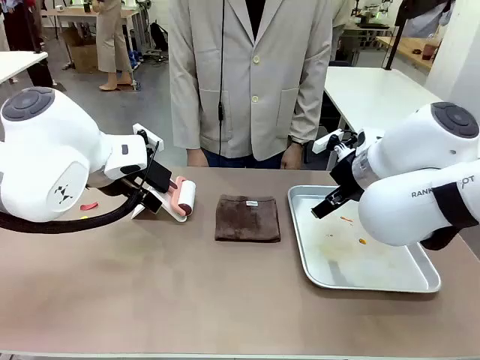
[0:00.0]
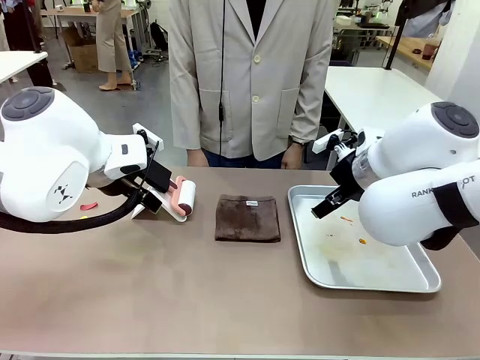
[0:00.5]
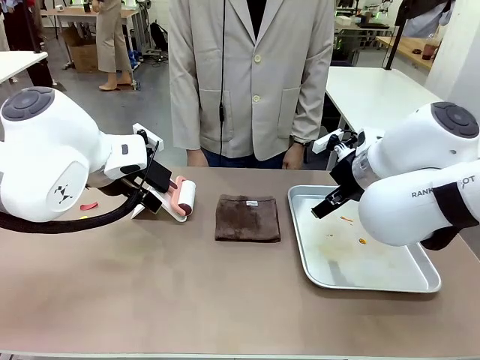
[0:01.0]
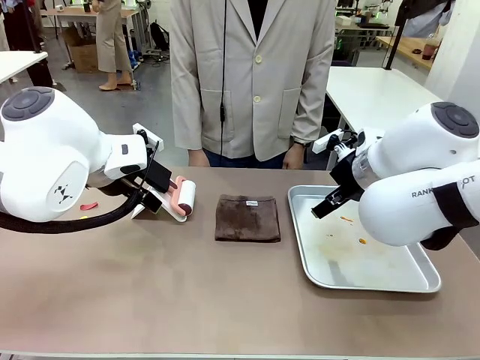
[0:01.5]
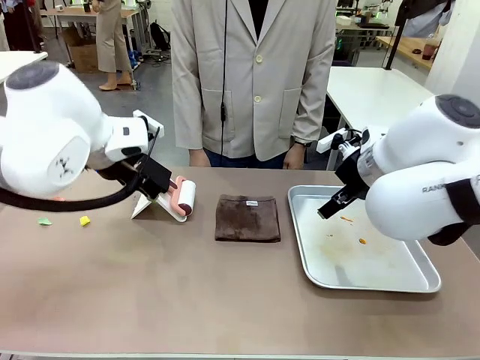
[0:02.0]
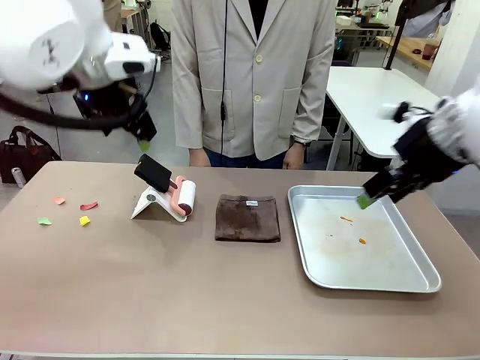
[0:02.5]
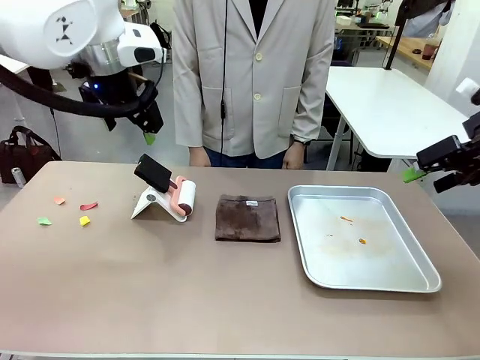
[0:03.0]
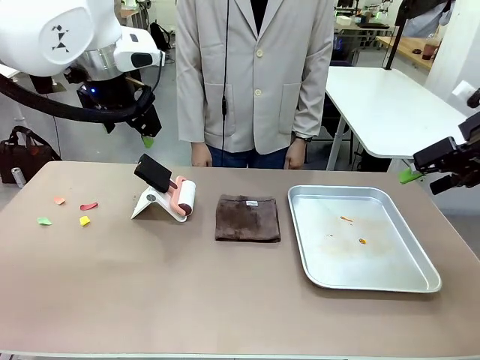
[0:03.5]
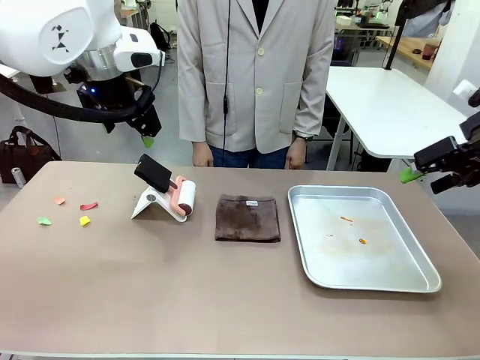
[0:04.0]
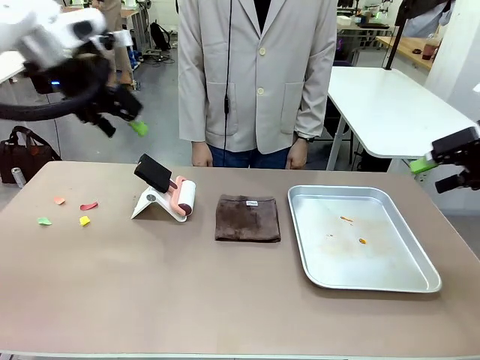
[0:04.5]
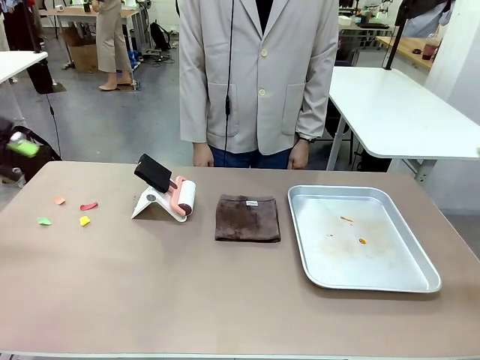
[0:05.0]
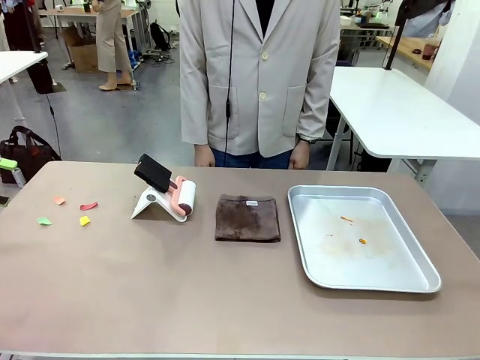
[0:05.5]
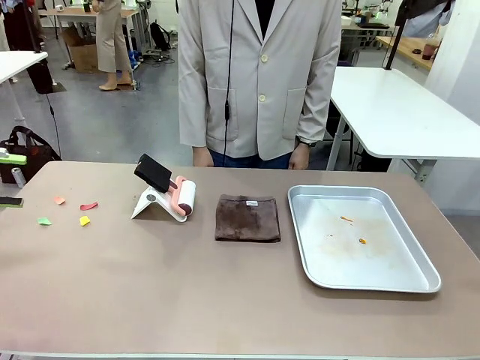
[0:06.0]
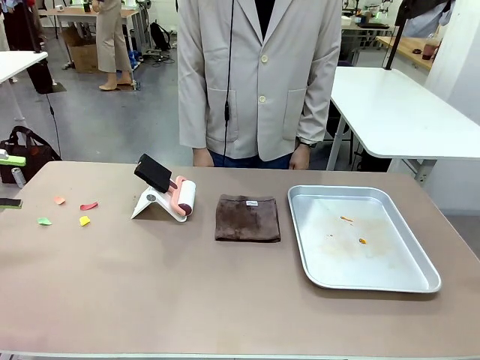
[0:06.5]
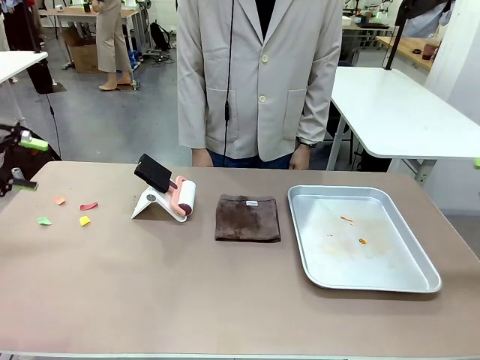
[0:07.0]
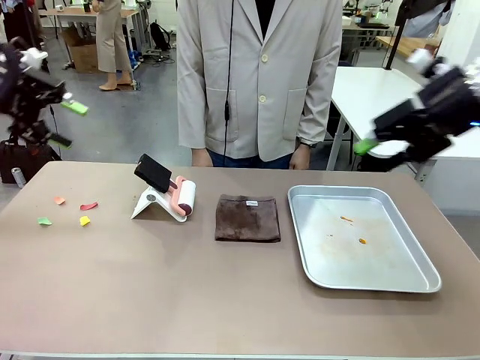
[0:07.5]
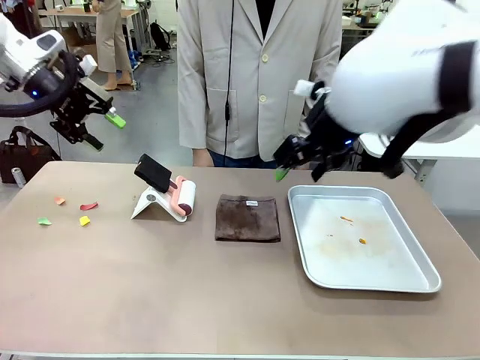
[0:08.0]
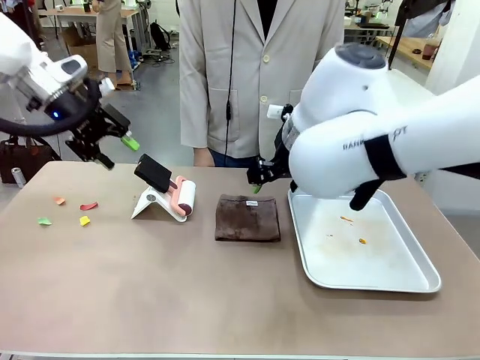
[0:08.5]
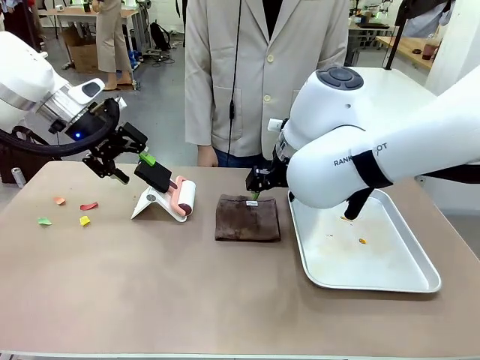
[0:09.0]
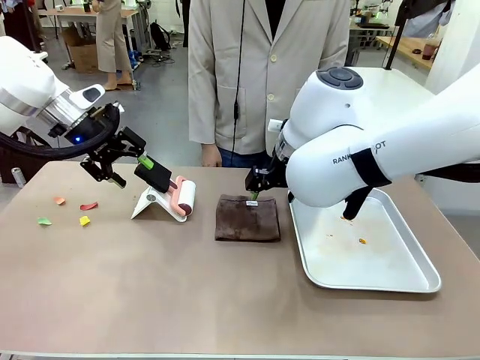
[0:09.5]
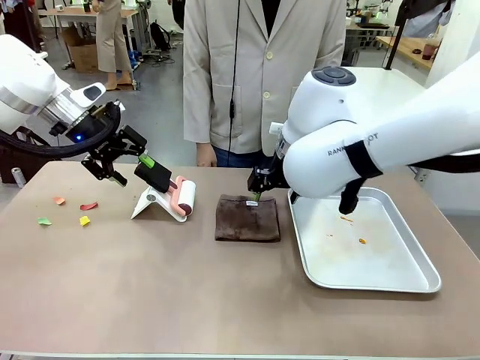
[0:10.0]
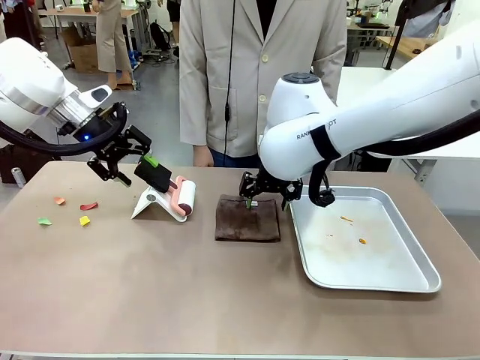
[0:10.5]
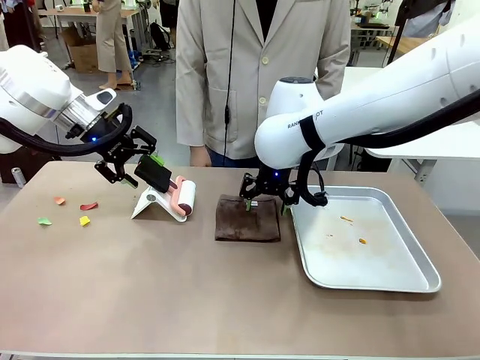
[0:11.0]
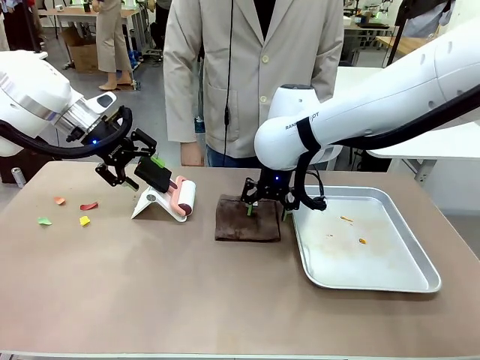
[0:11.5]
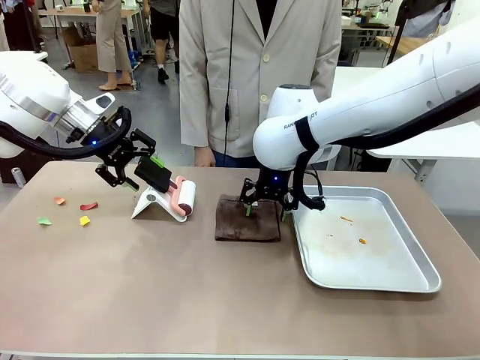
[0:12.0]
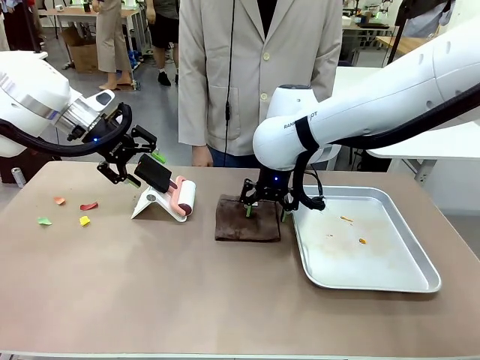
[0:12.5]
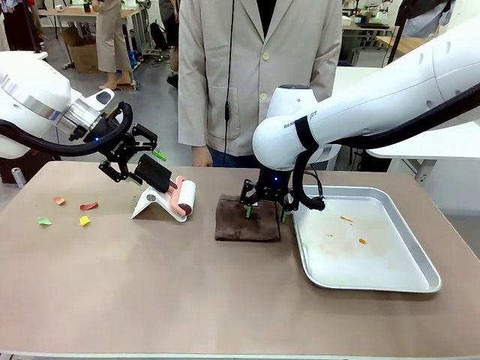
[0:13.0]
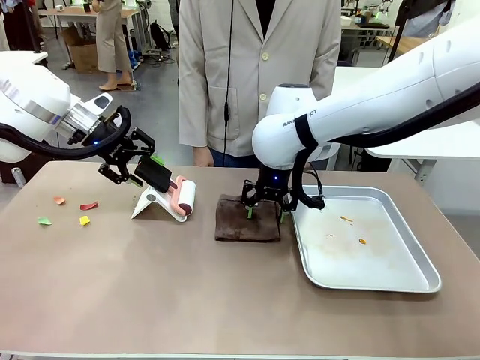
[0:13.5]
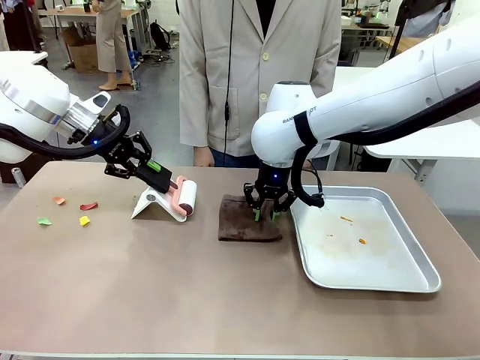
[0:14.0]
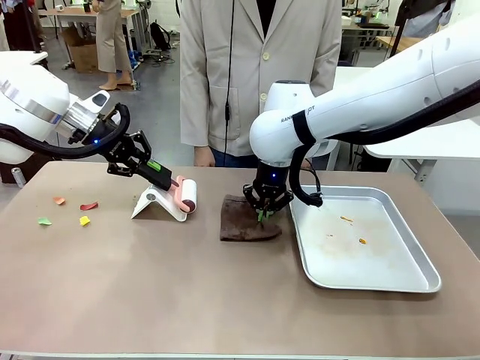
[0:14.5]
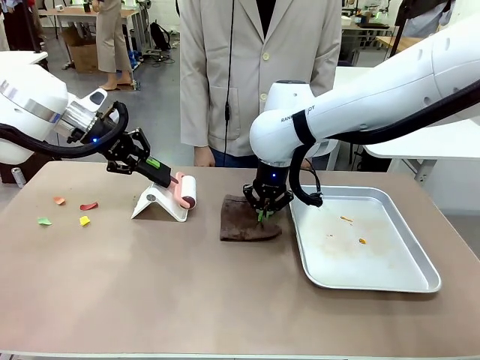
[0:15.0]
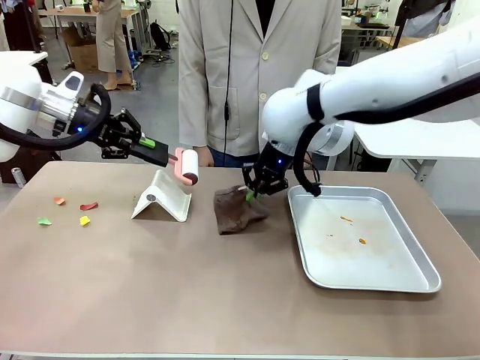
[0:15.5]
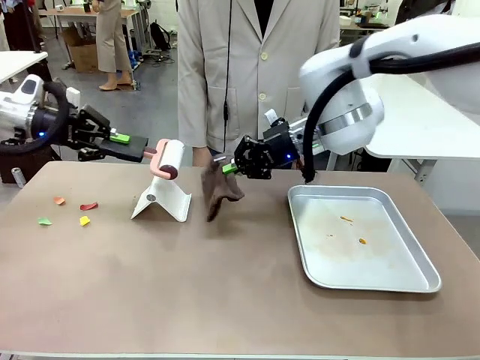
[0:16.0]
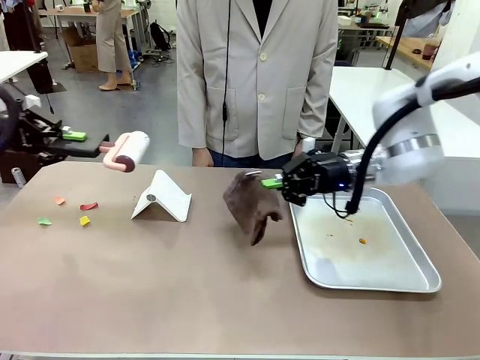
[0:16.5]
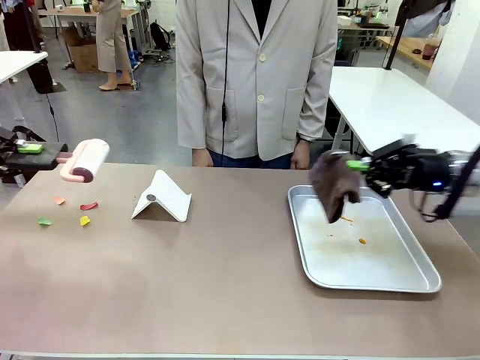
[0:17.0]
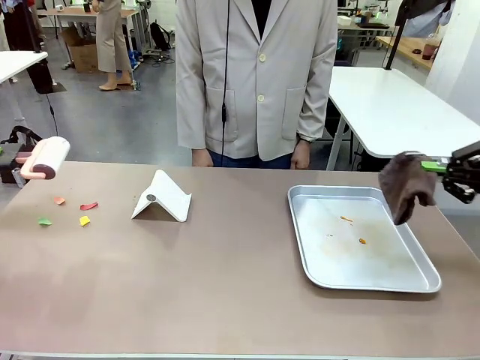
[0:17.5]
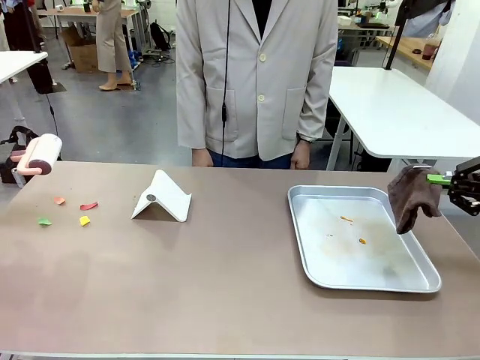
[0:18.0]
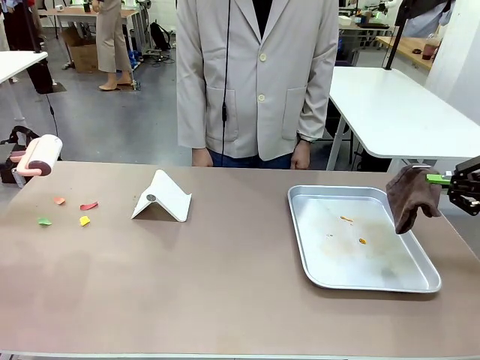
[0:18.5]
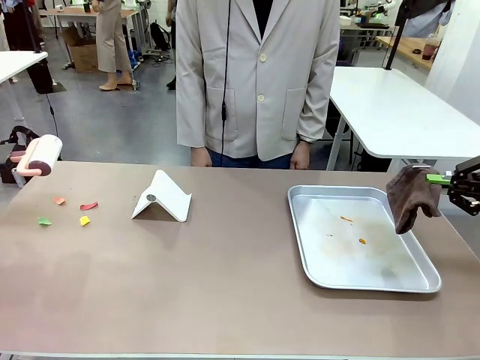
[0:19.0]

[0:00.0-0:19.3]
Task: Clean the surface of the table.
Robot: Hold the Lint Roller with your left hand and the towel with your right hand.

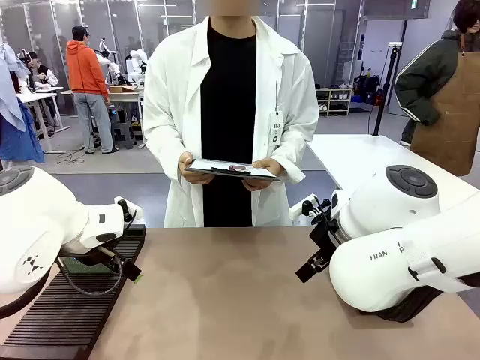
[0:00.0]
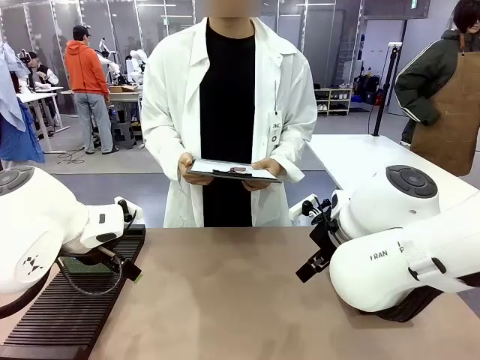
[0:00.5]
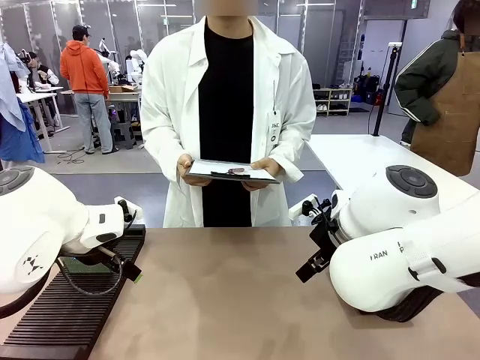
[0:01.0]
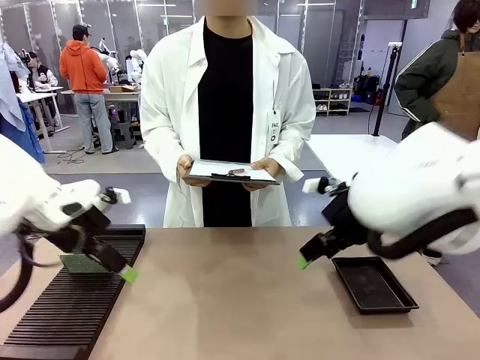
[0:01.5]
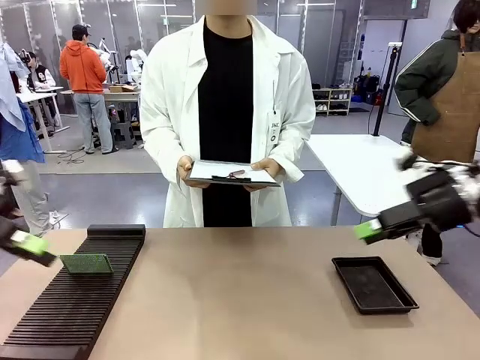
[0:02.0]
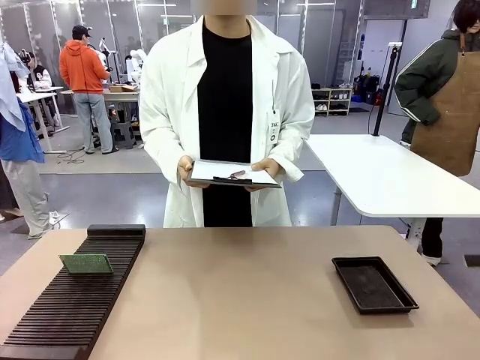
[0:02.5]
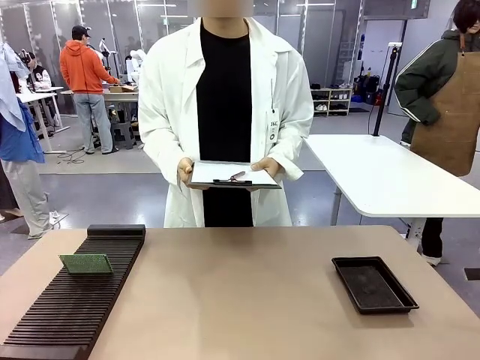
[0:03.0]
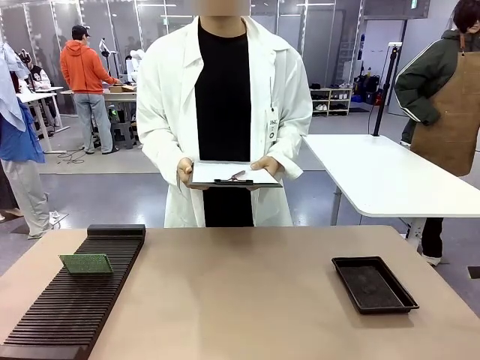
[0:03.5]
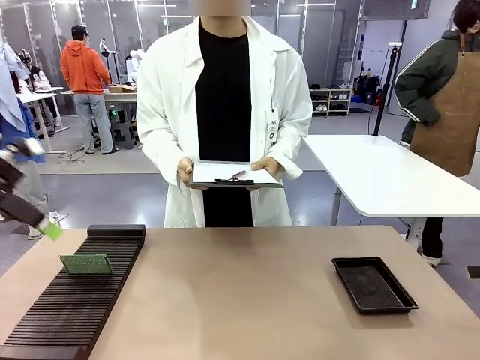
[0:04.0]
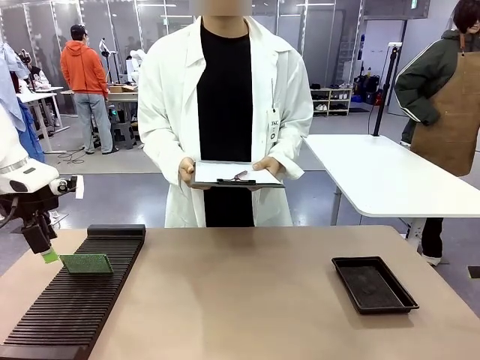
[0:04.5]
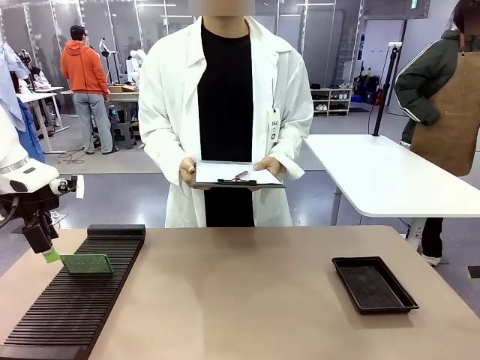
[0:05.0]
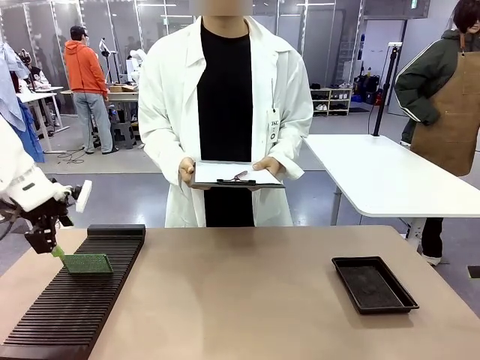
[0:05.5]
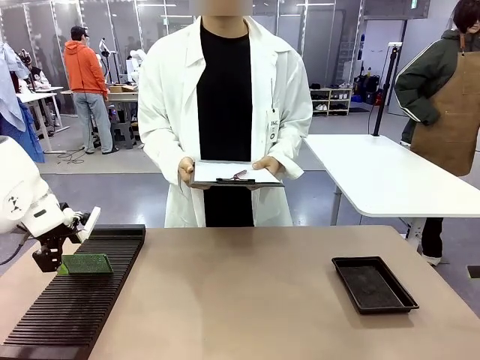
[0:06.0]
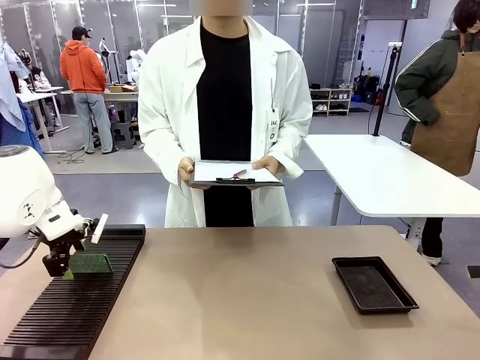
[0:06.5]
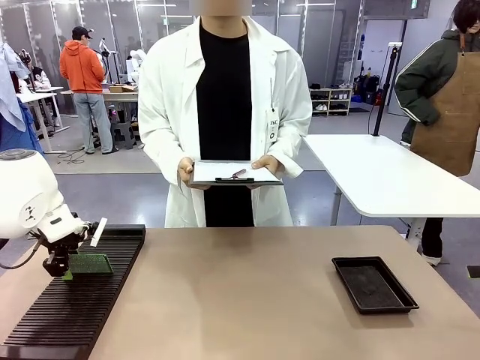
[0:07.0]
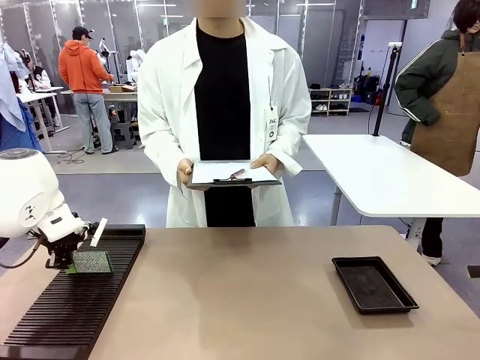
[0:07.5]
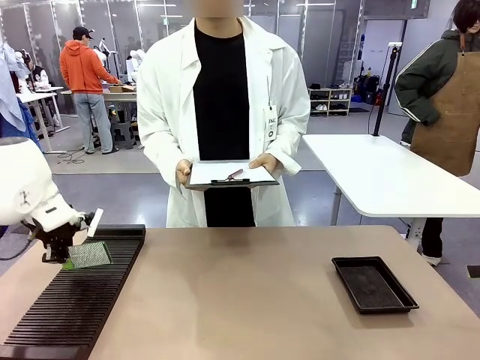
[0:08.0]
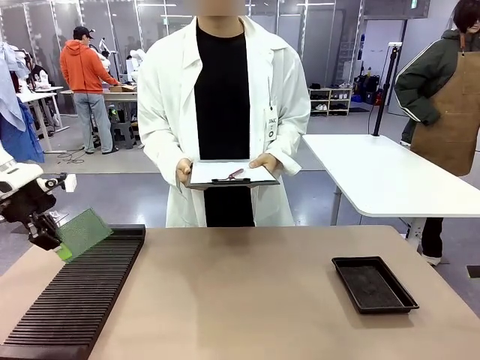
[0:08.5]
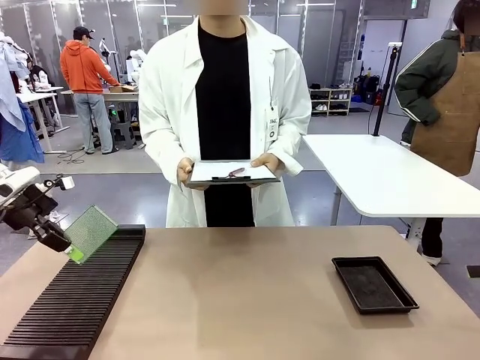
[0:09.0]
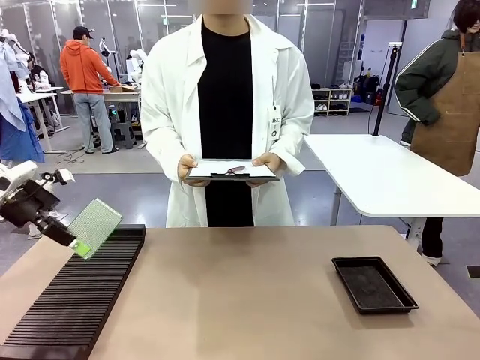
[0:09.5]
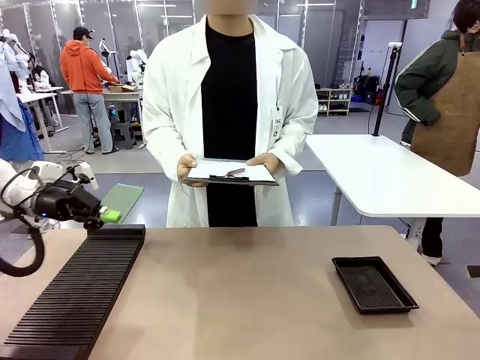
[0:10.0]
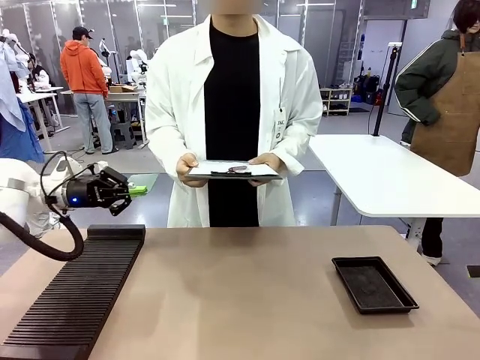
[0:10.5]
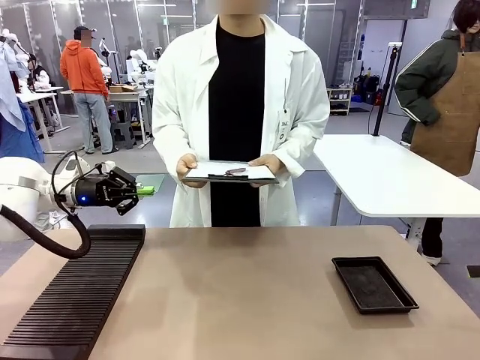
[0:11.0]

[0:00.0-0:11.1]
Task: Inspect the PCB.
Robot: Pick up the Blank PCB and present it to the human.
Person: Pick up the PCB presented by the robot.
